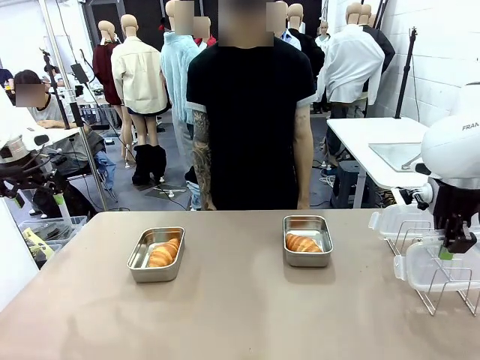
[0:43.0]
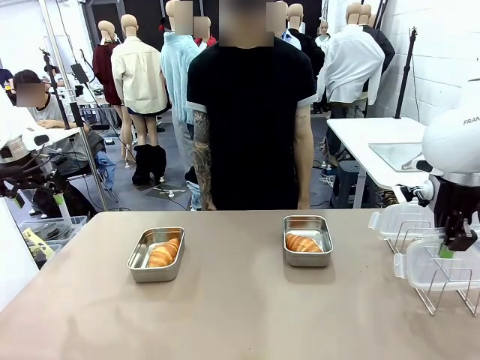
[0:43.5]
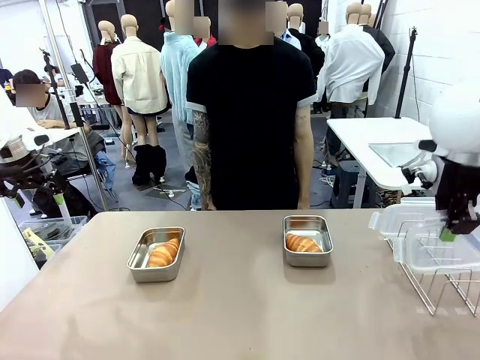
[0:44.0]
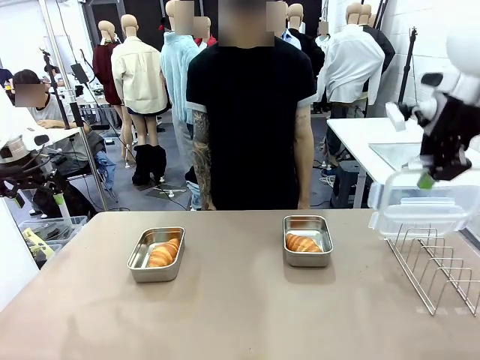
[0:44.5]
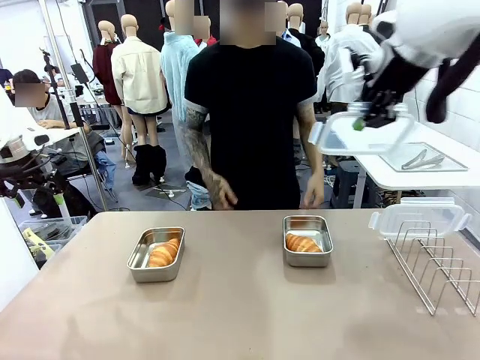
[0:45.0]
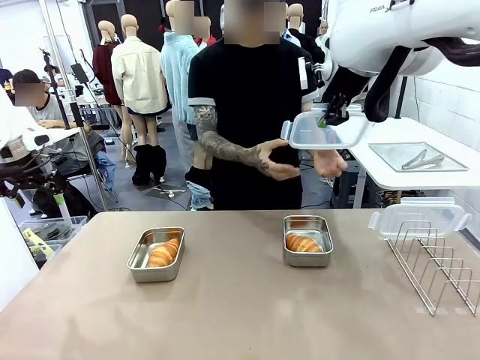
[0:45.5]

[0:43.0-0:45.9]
Task: Place the bread in airtight containers.
Robot: Release when the human grabs the Airtight Container lid.

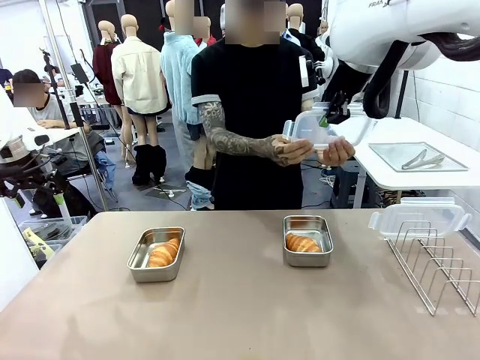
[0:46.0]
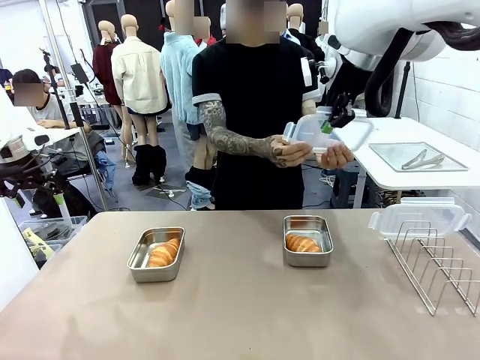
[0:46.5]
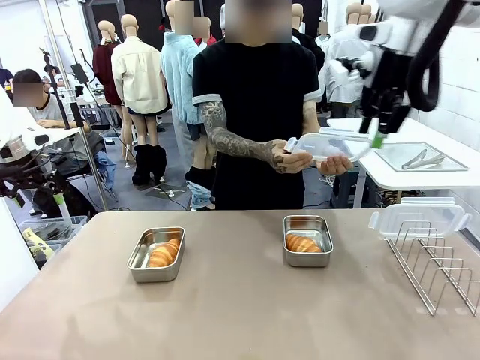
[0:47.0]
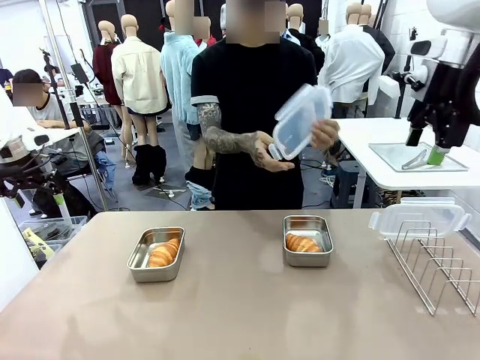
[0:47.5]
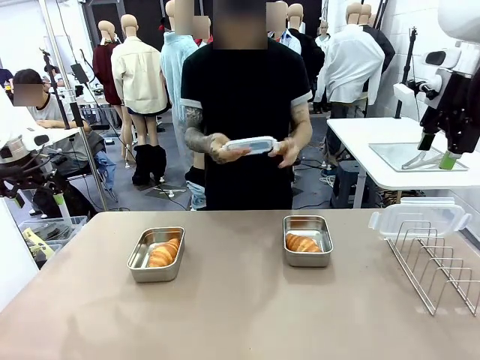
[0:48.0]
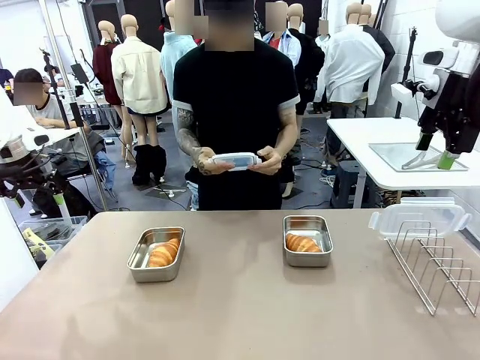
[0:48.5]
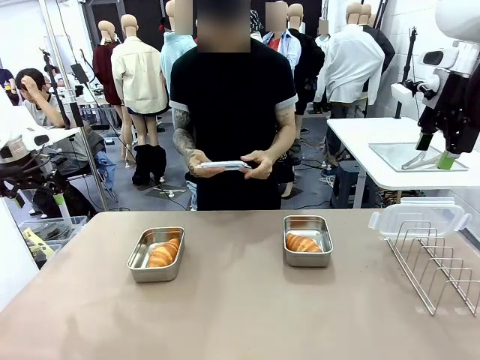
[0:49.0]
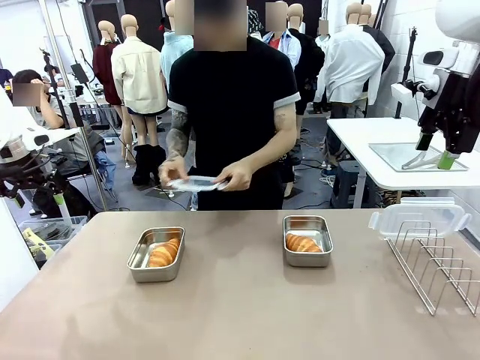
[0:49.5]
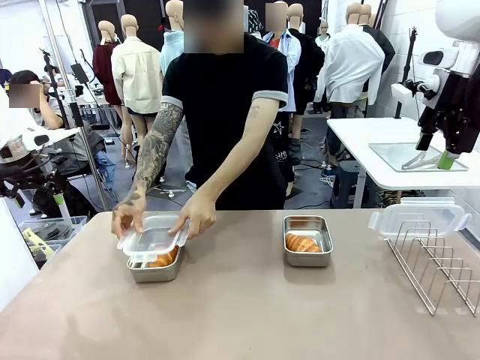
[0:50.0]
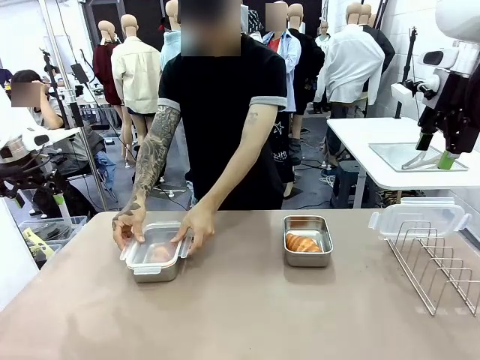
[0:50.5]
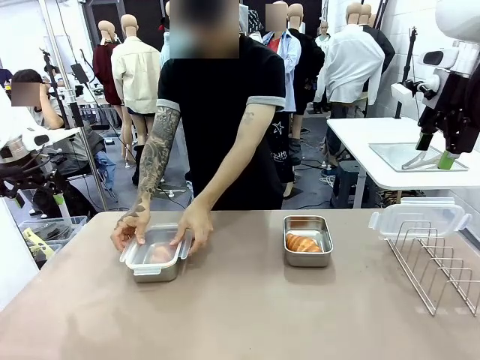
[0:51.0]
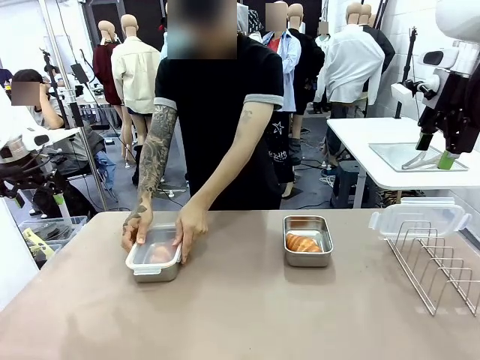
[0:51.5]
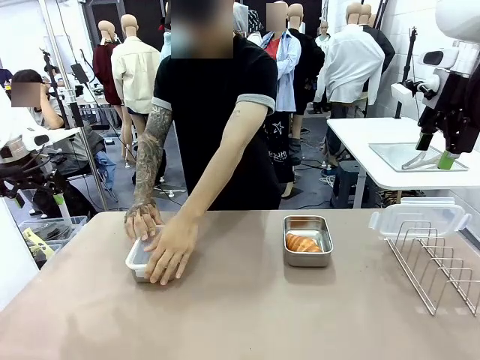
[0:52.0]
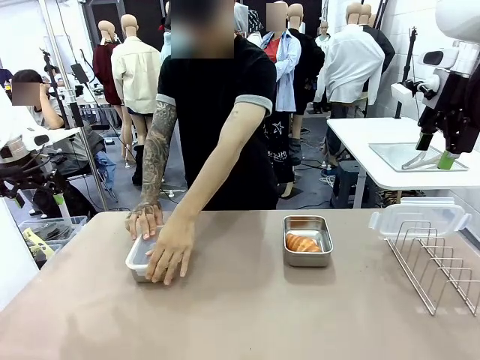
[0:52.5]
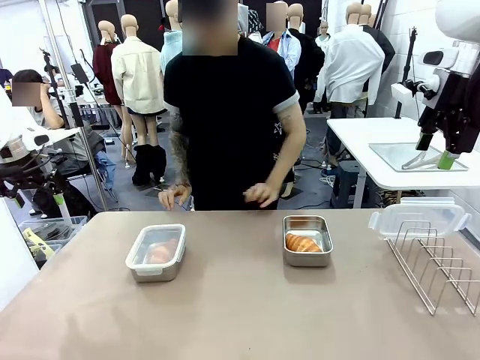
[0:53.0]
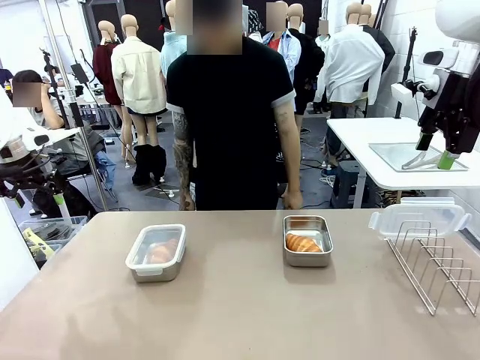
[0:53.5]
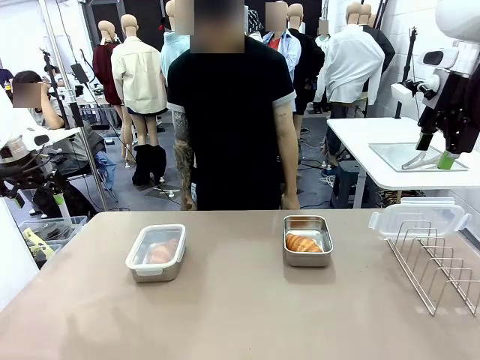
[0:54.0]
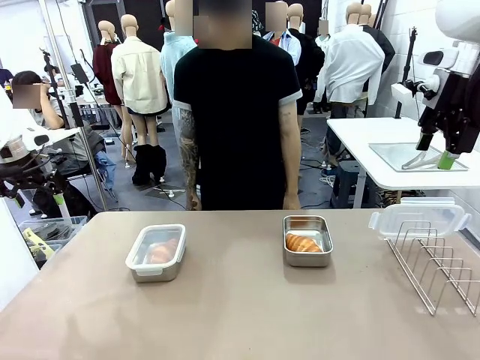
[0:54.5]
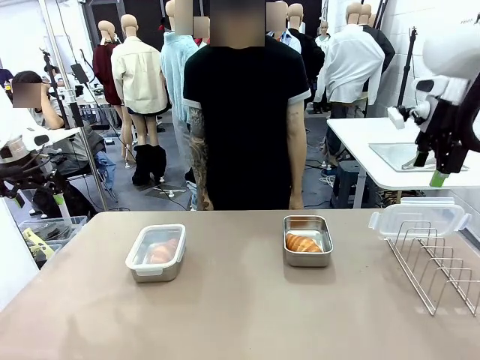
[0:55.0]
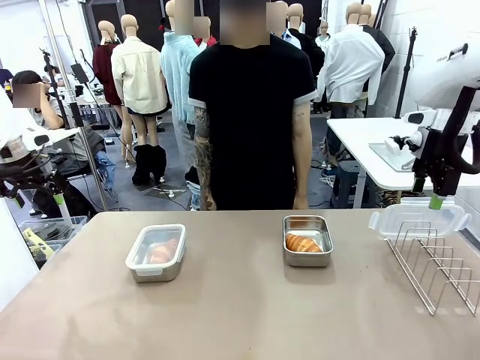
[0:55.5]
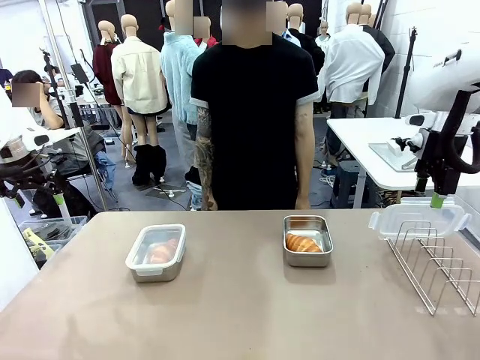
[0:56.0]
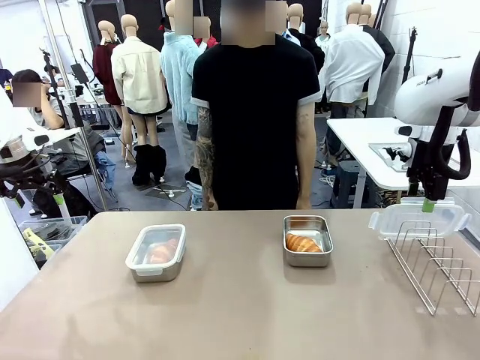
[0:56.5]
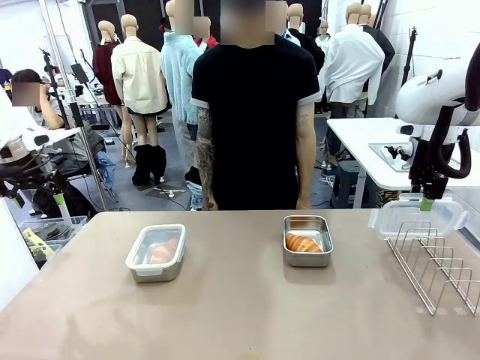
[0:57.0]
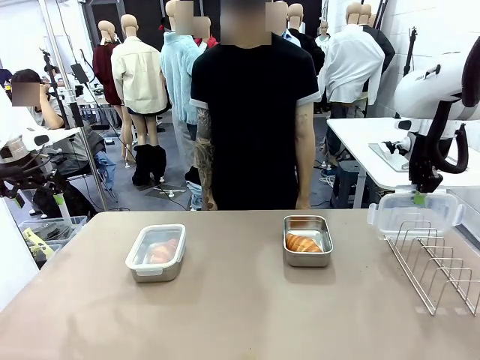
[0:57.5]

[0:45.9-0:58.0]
Robot: Pick up one Airtight Container lid and hand it to the human.
Person: Close Airtight Container with a handed Airtight Container lid.

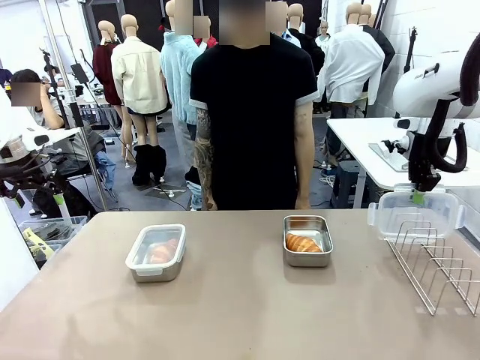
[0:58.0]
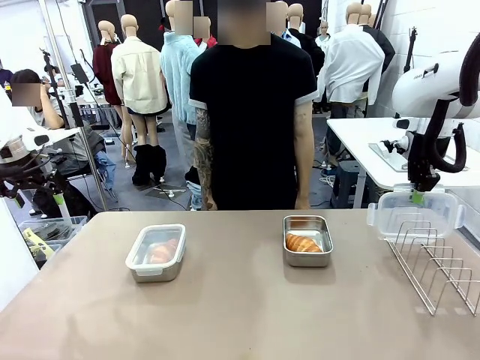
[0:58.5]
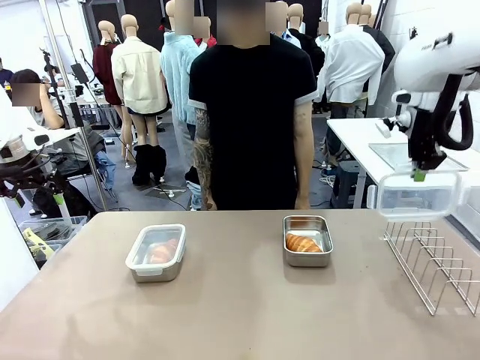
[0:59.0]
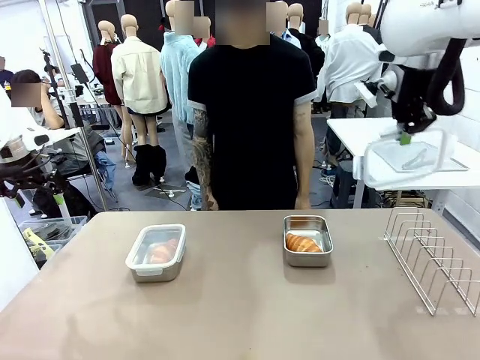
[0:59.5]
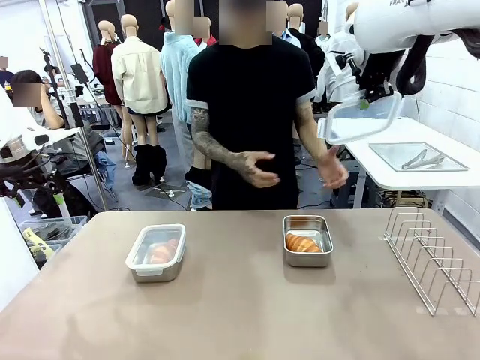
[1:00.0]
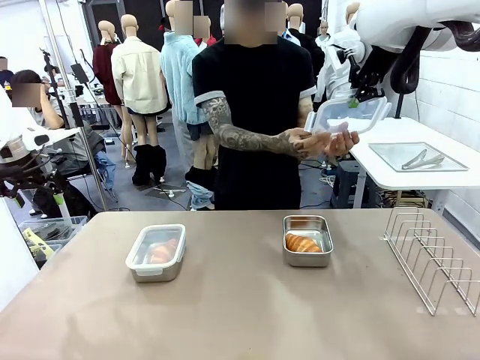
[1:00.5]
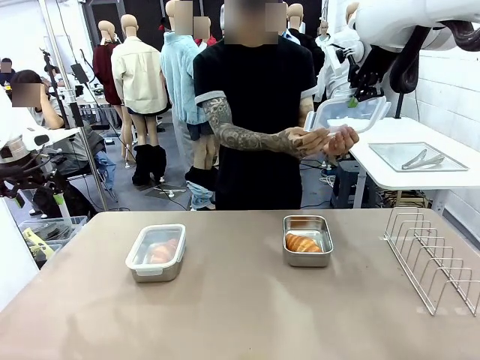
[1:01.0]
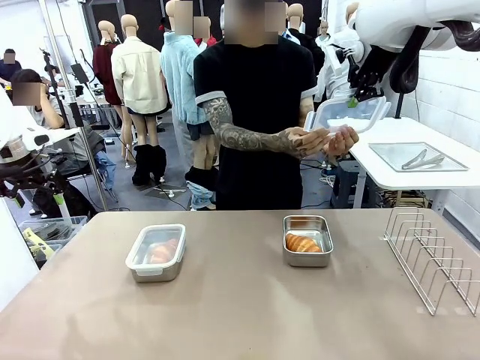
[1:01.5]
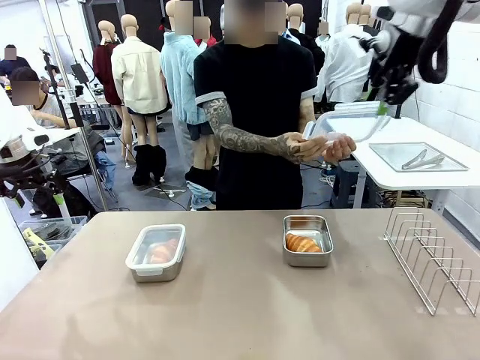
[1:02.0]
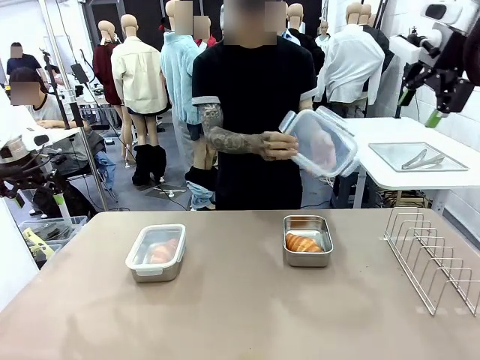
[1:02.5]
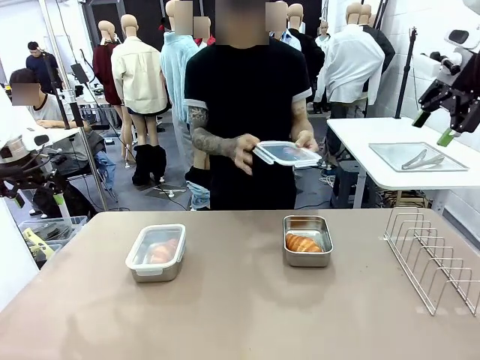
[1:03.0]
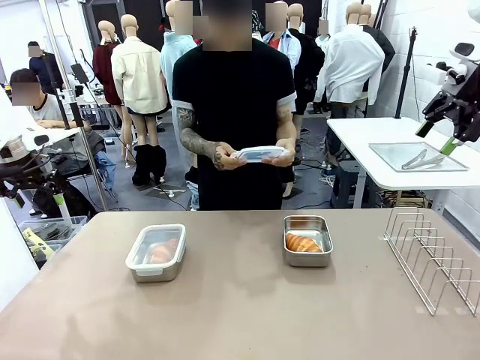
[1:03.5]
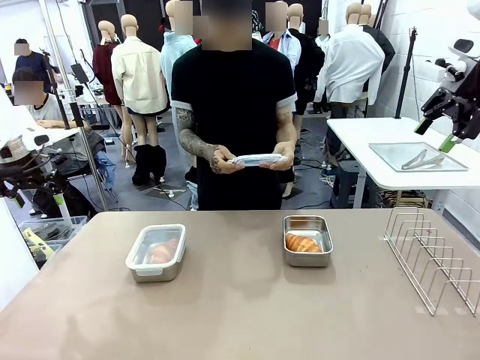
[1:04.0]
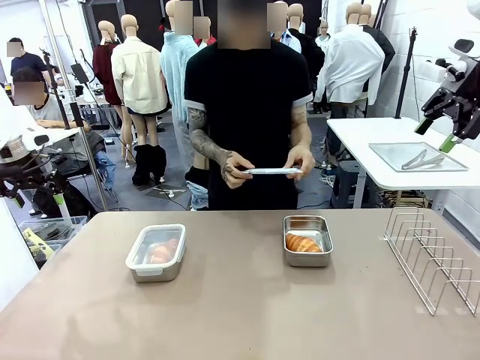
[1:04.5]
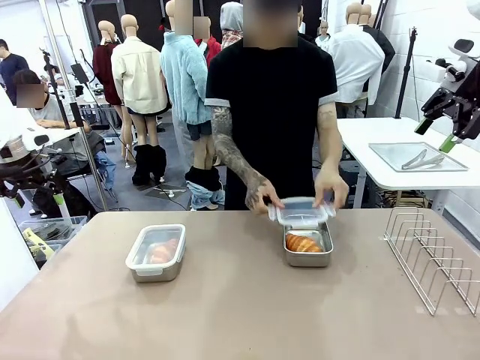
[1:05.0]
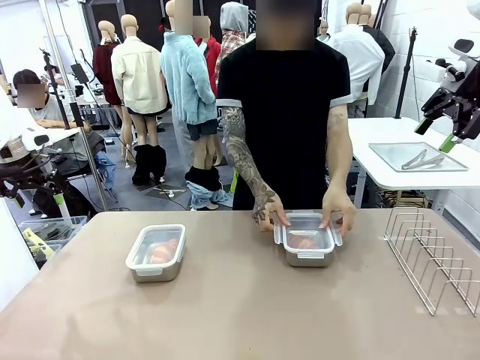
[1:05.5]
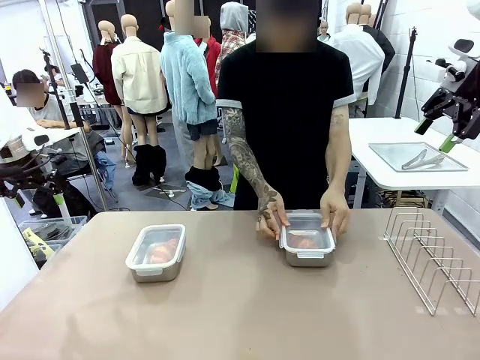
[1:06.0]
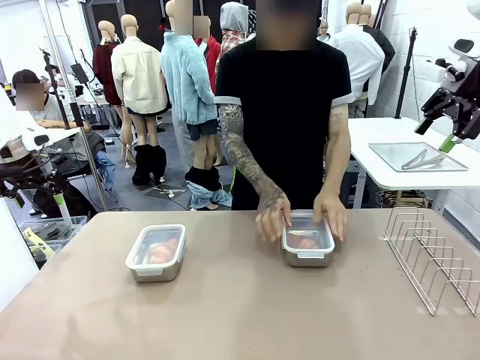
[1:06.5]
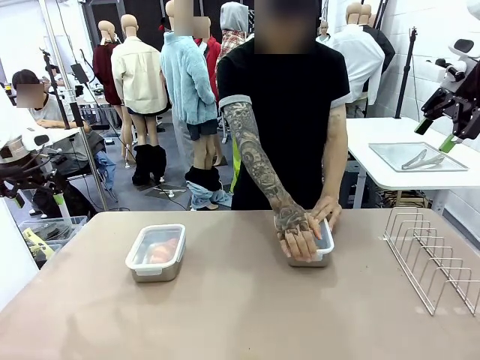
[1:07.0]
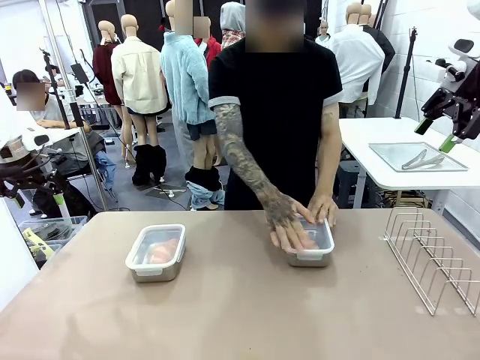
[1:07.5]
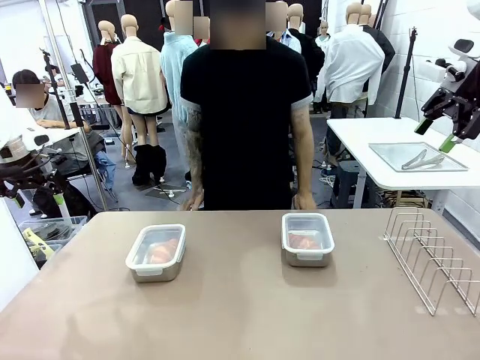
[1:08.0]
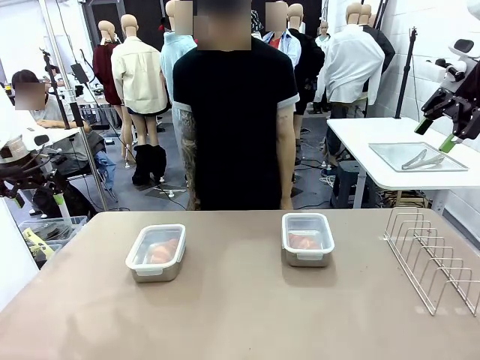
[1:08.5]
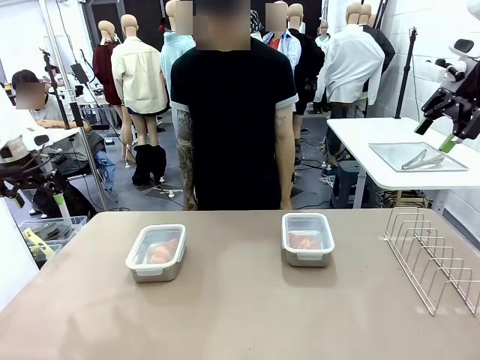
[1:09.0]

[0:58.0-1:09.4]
Robot: Release when the human grabs the Airtight Container lid.
Person: Grip Airtight Container lid that robot is handing. Close Airtight Container with a handed Airtight Container lid.
